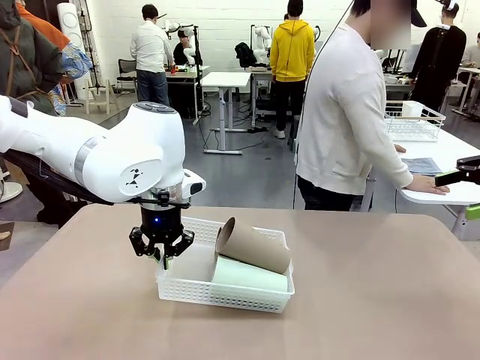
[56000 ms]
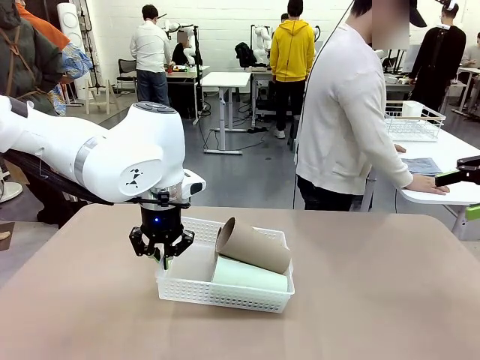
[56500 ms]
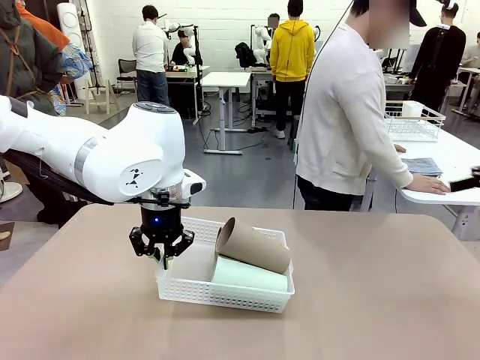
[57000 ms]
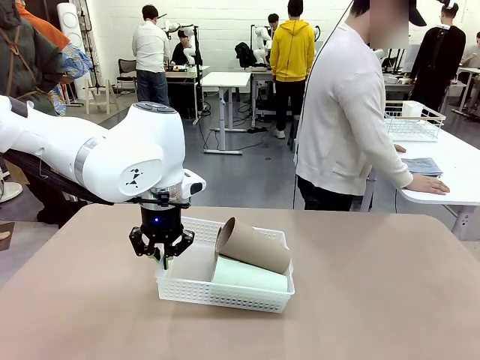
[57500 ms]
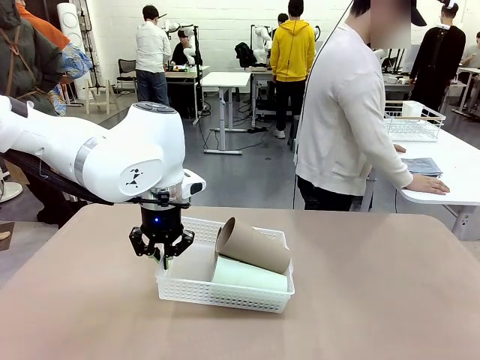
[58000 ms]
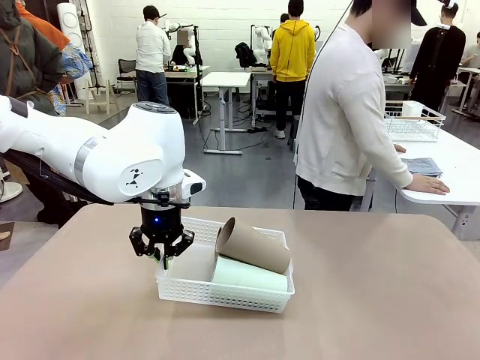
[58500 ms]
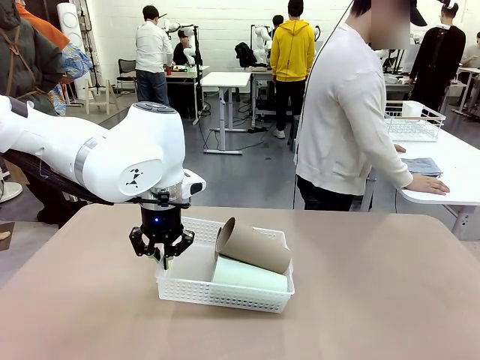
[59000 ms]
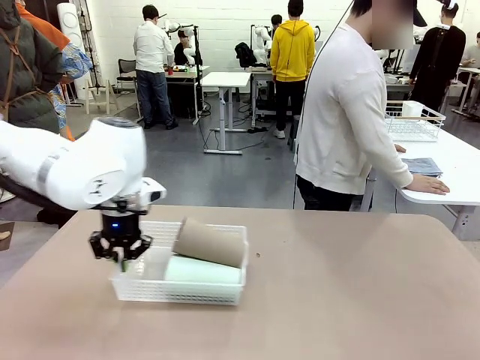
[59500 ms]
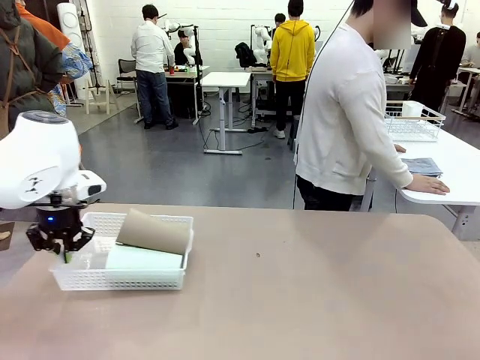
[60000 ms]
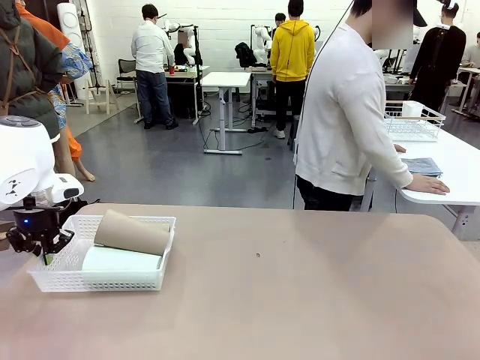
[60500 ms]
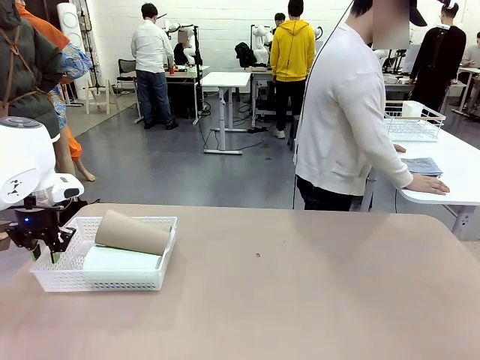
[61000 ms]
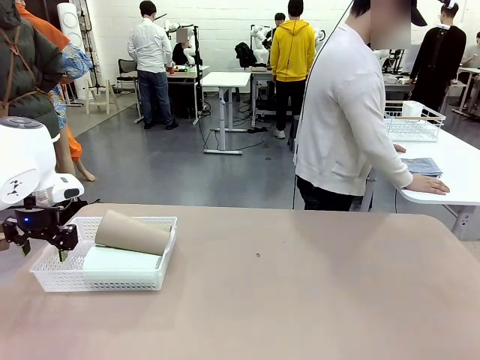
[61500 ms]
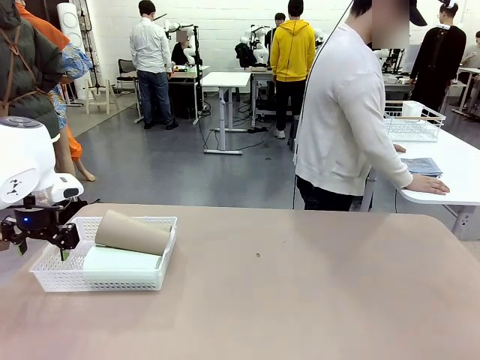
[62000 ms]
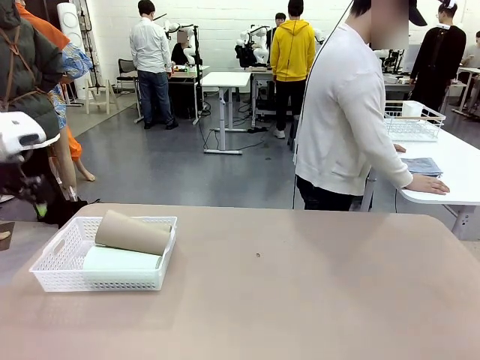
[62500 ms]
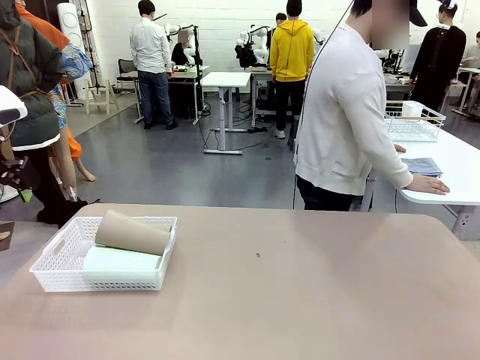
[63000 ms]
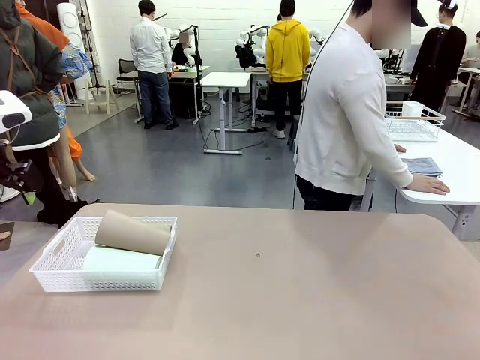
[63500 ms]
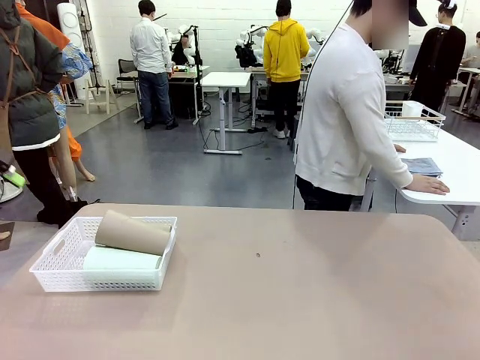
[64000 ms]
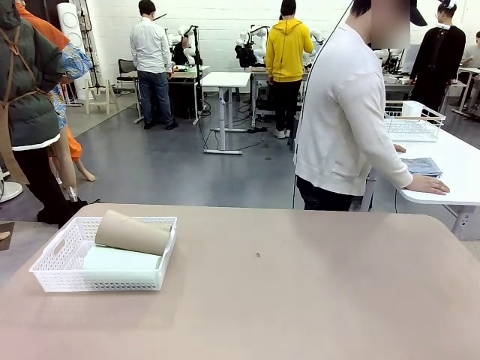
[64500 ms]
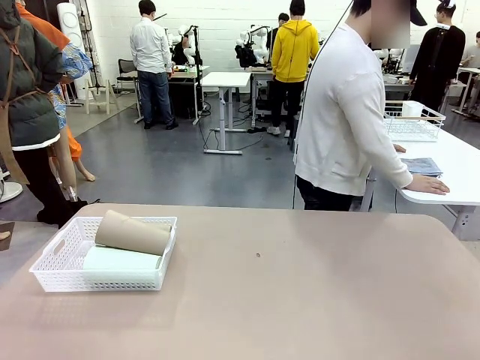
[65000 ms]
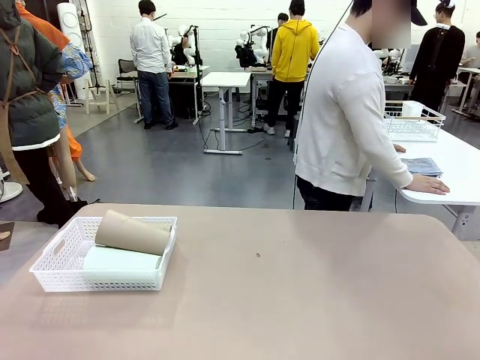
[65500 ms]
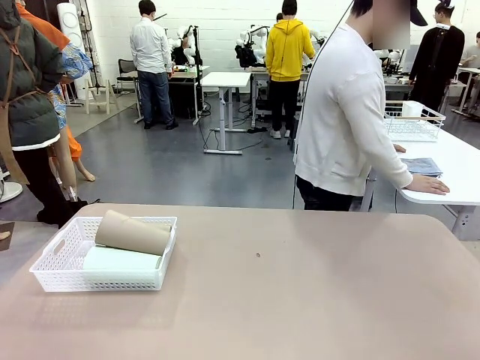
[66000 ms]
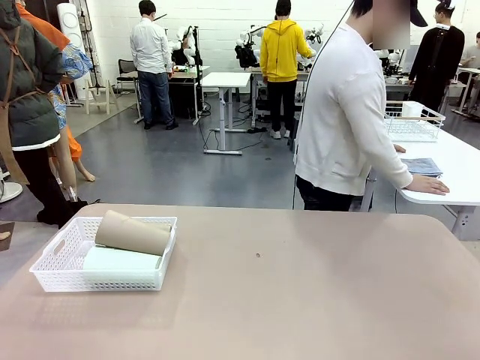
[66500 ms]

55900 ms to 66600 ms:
Task: Clean and organize the cups into the basket.
Robot: Move the Organizing basket back to the left side of the table.
Person: Folds the towel in half twice and places it in the right of the table.

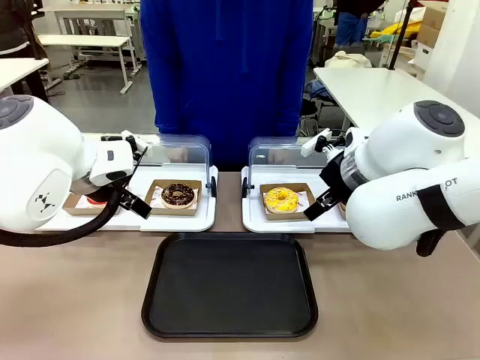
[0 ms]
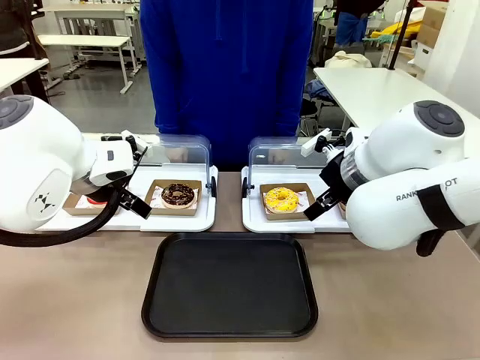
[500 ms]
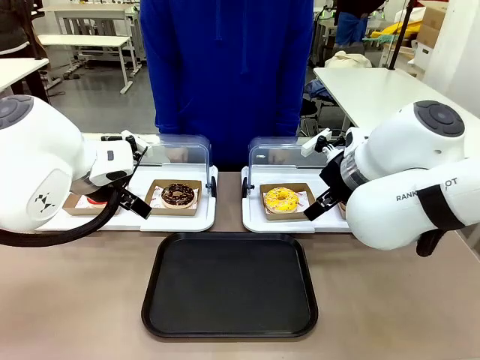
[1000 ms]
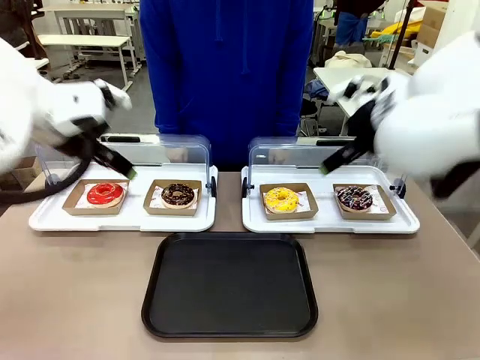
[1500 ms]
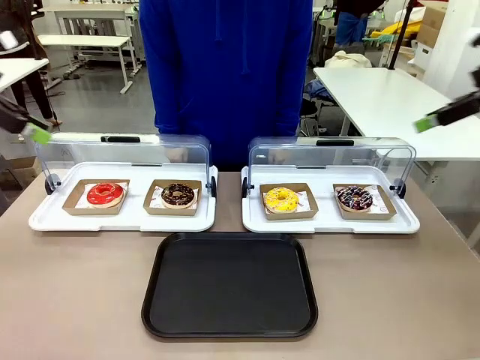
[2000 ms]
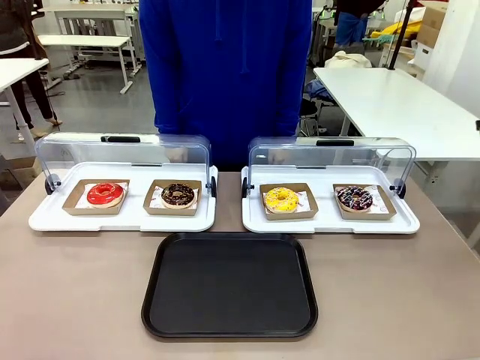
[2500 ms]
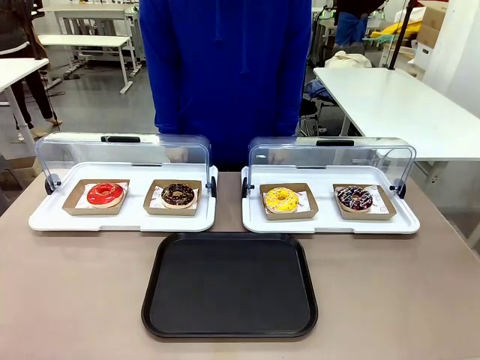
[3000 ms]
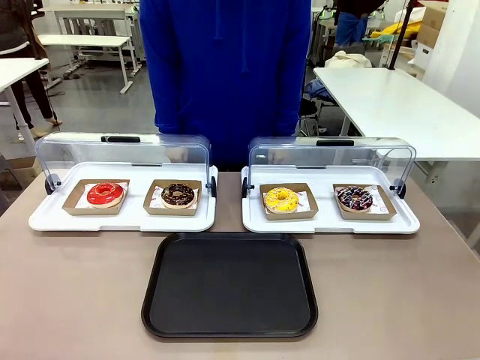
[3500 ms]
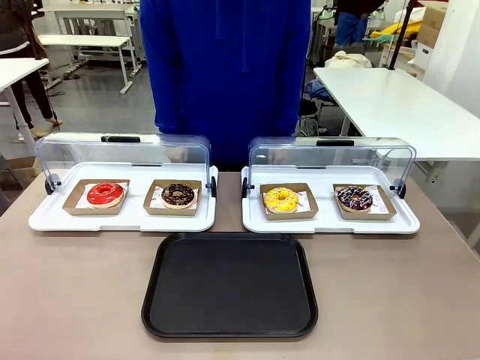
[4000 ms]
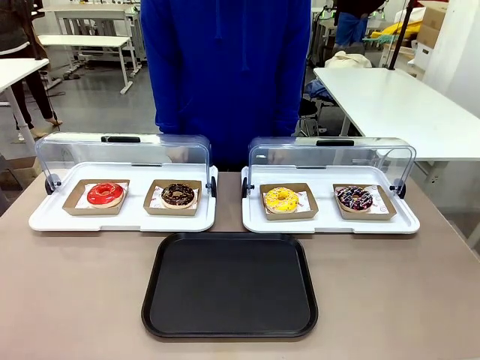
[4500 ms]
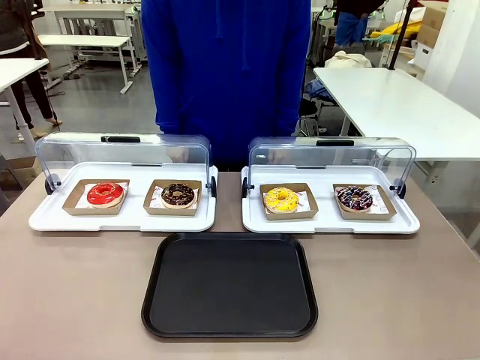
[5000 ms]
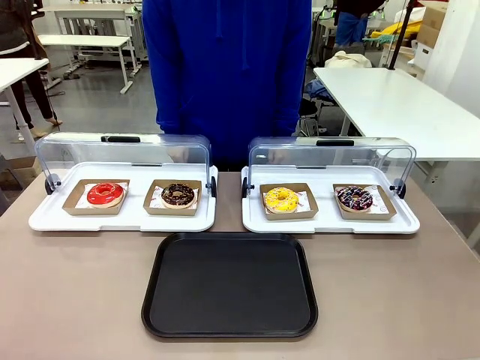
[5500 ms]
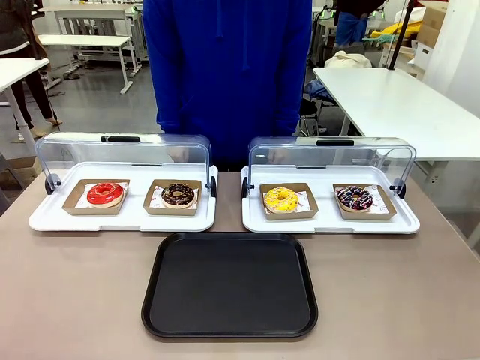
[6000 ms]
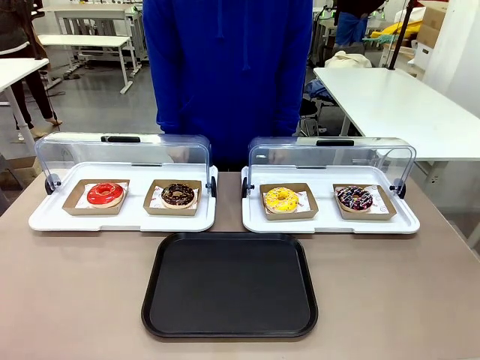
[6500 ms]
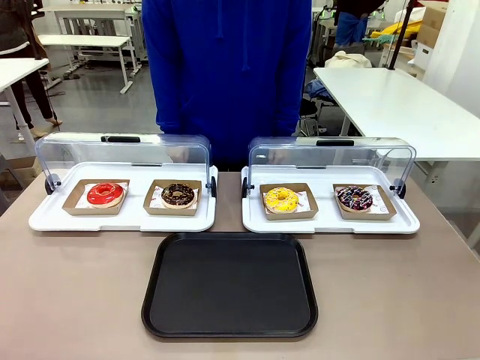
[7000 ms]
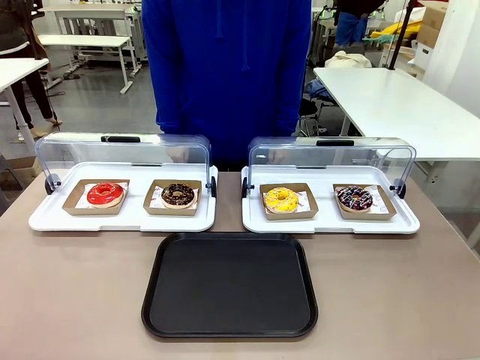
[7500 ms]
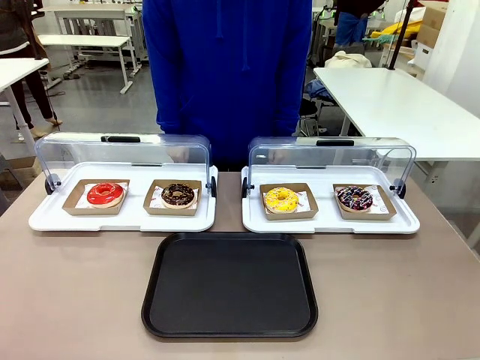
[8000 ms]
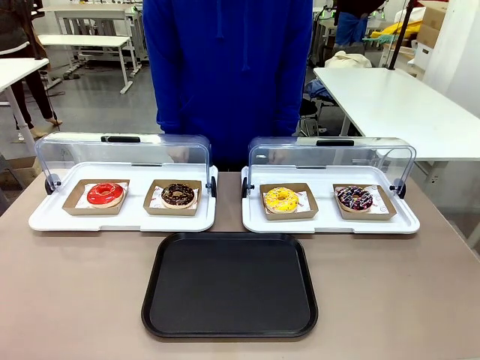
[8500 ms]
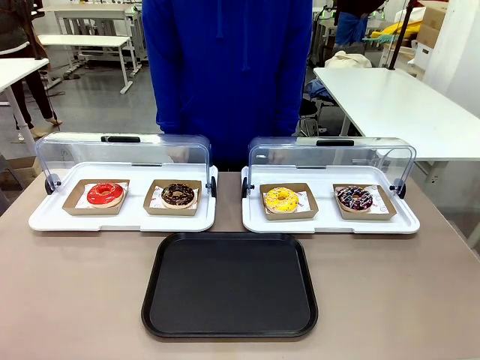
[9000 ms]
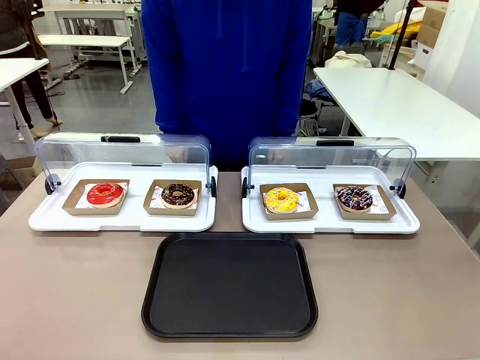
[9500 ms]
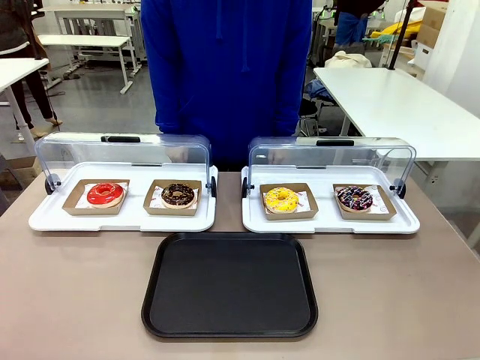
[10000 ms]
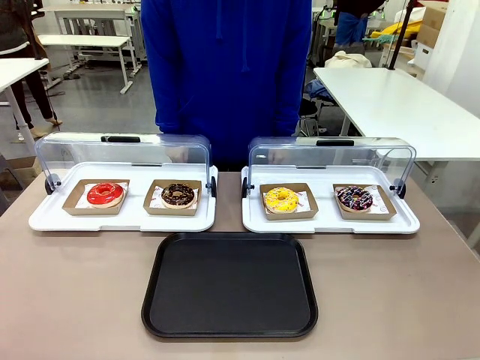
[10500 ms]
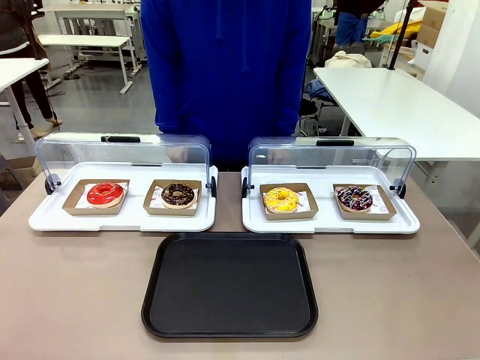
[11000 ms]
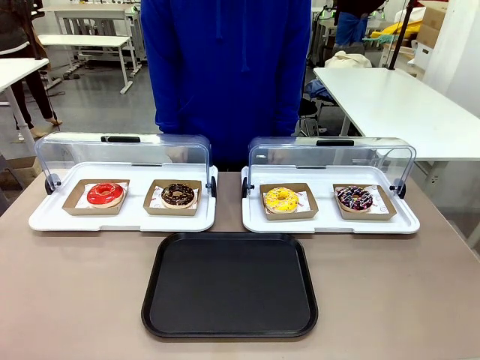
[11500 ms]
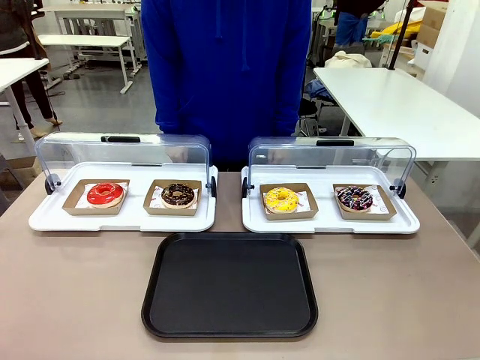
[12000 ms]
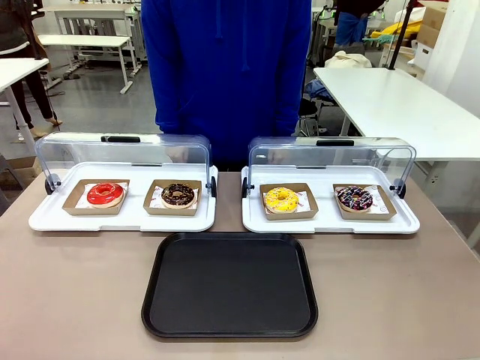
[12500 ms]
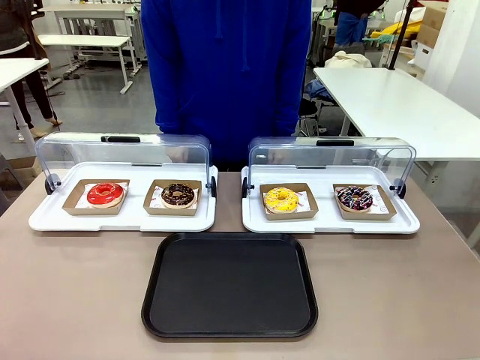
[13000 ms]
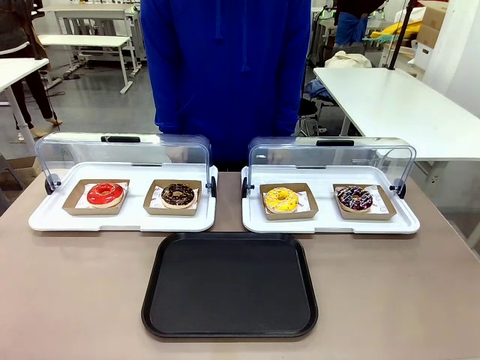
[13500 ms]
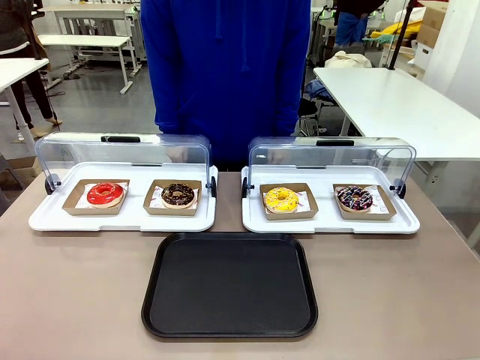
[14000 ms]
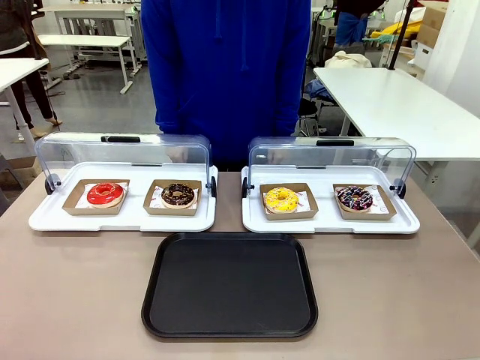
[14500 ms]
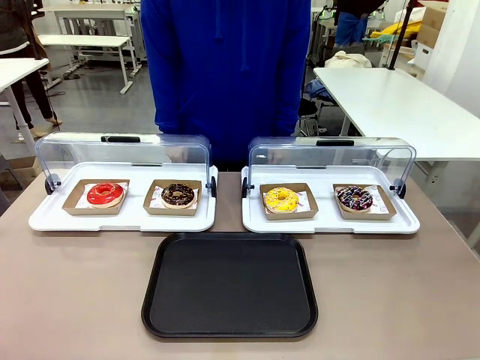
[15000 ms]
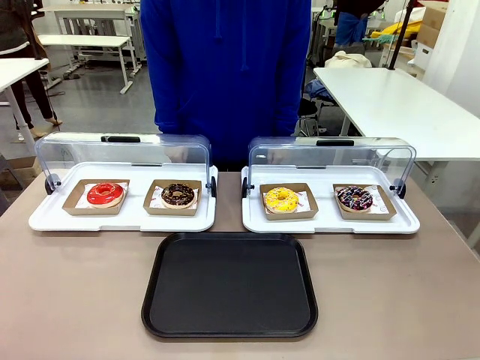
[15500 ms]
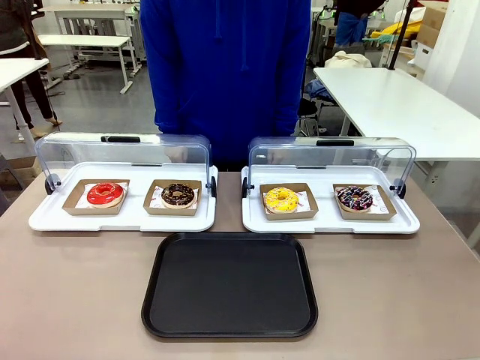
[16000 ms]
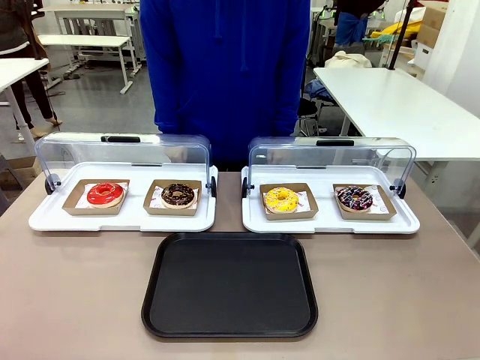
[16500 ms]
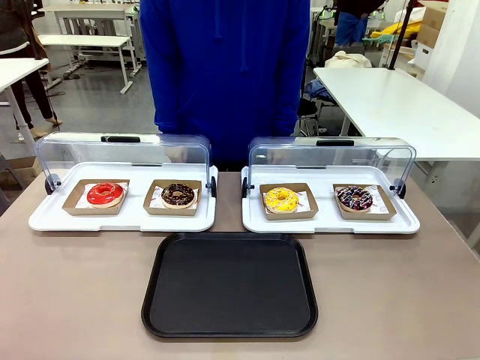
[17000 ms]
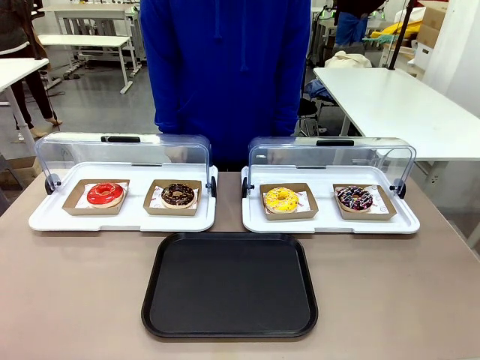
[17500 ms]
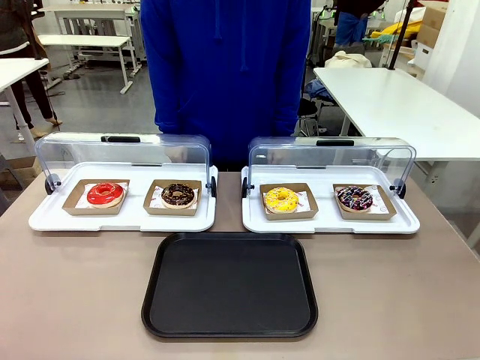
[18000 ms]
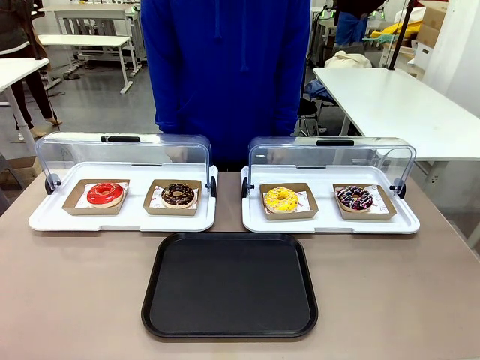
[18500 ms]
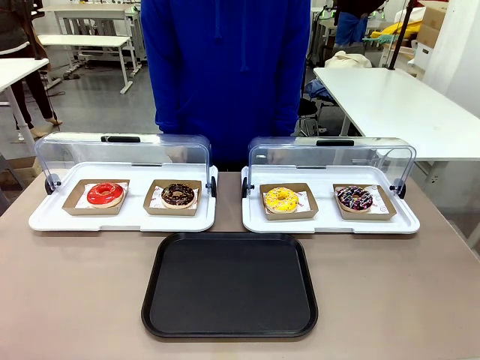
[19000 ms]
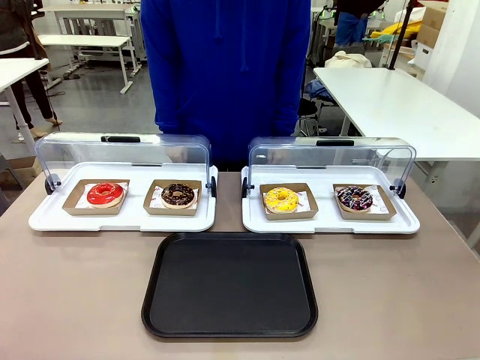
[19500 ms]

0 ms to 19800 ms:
Task: Move the third donut from the left to the tray.
Robot: Pick up the Paper togo box containing the Donut indicated by the person and place it on the Handle tray.
